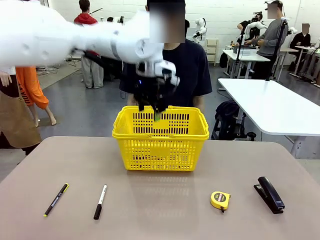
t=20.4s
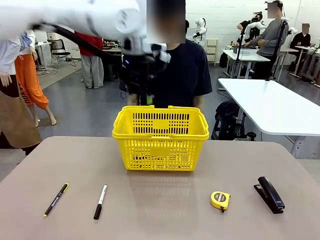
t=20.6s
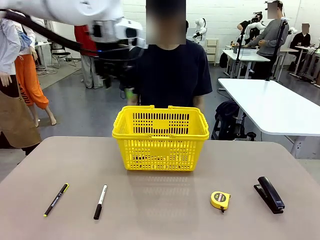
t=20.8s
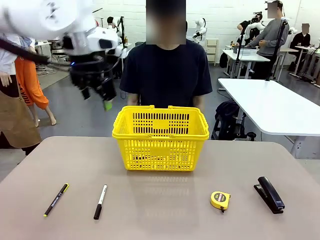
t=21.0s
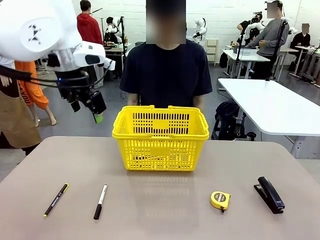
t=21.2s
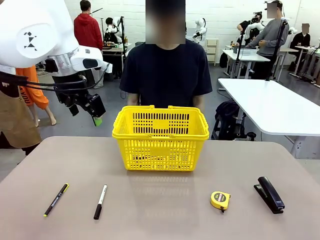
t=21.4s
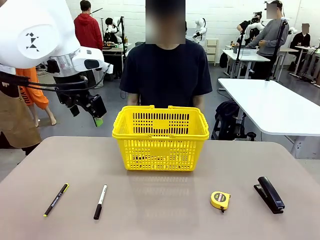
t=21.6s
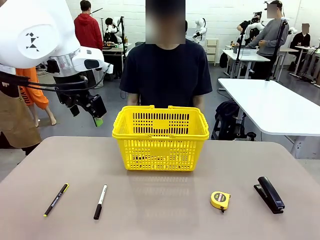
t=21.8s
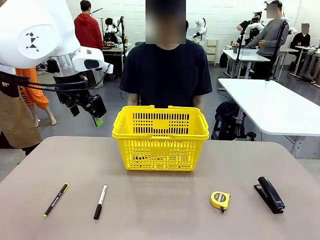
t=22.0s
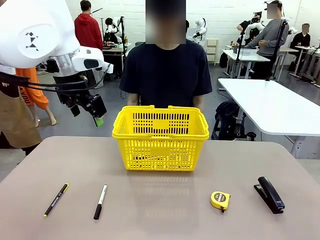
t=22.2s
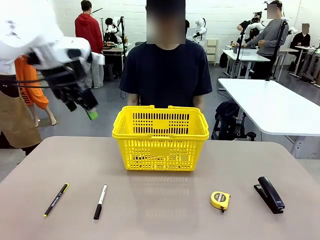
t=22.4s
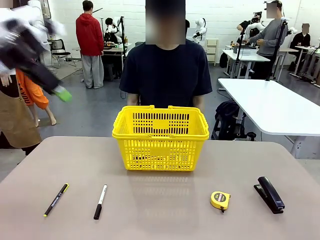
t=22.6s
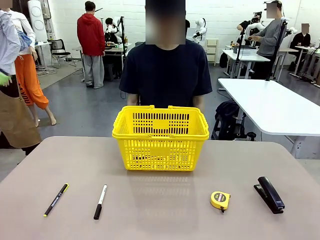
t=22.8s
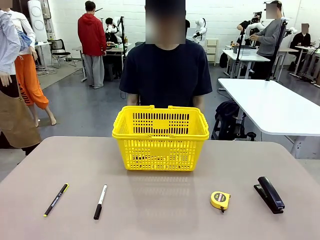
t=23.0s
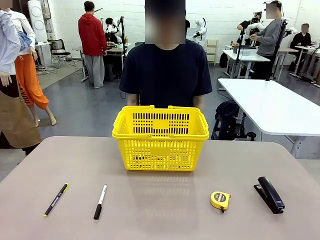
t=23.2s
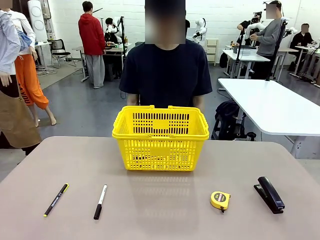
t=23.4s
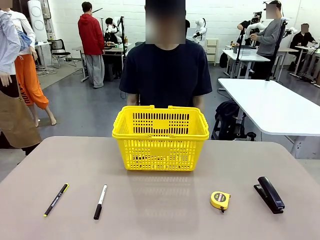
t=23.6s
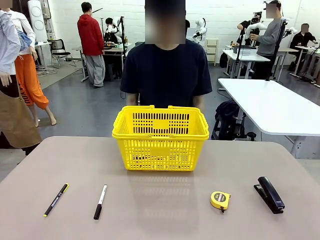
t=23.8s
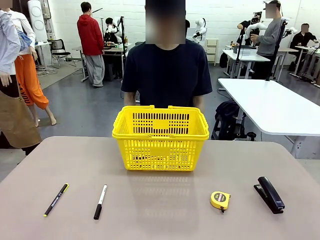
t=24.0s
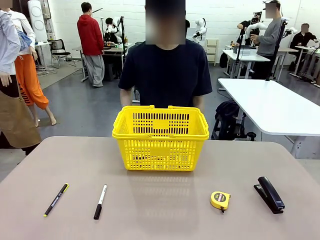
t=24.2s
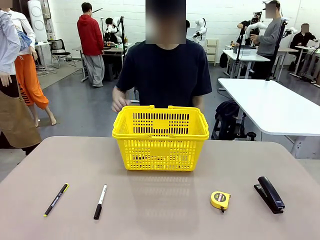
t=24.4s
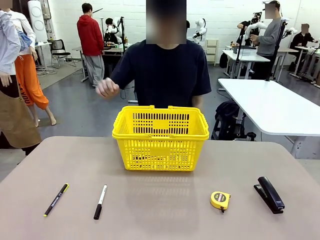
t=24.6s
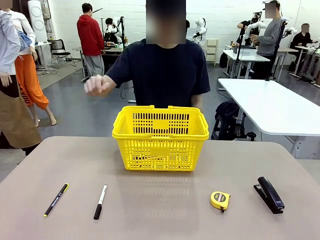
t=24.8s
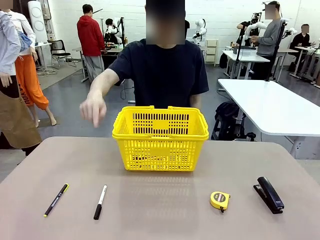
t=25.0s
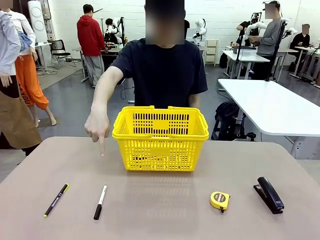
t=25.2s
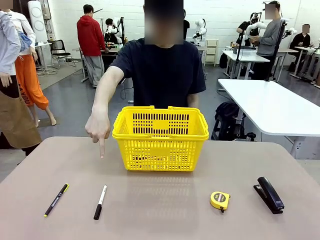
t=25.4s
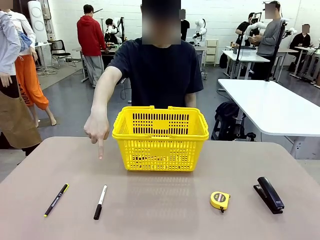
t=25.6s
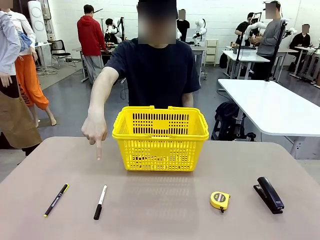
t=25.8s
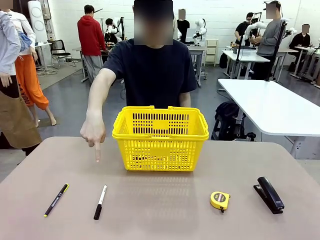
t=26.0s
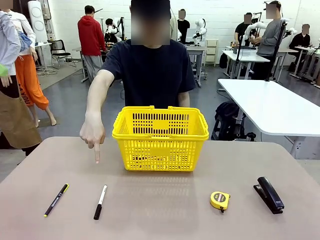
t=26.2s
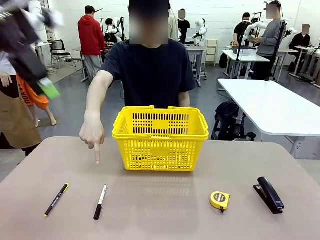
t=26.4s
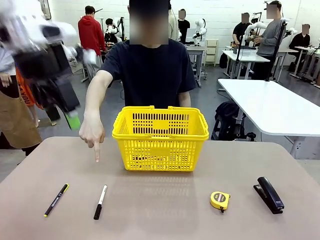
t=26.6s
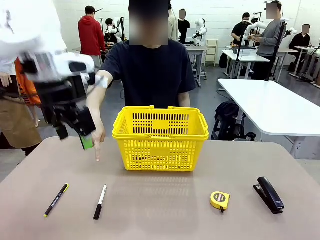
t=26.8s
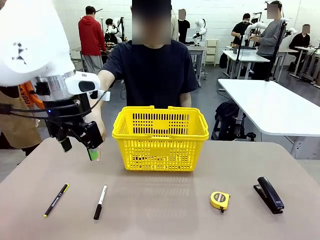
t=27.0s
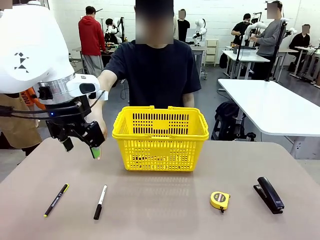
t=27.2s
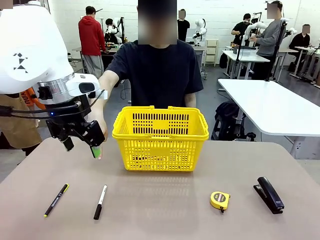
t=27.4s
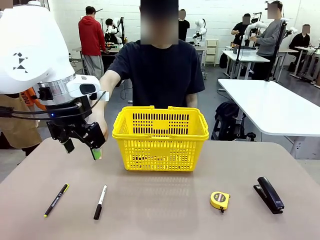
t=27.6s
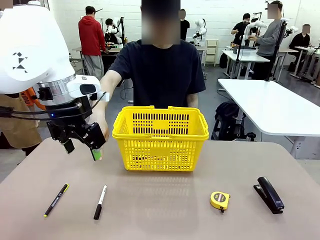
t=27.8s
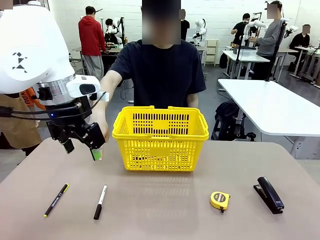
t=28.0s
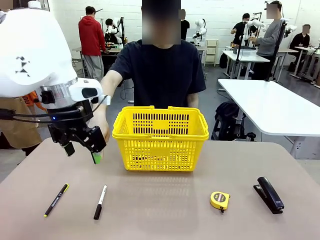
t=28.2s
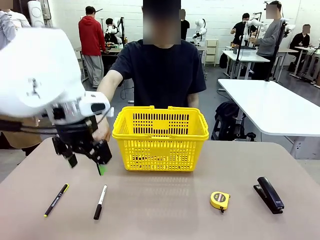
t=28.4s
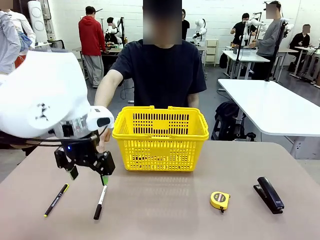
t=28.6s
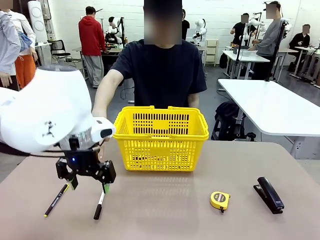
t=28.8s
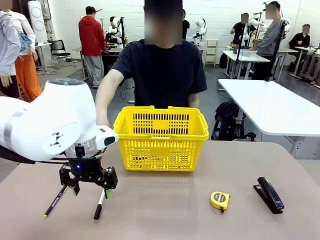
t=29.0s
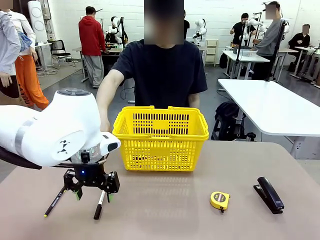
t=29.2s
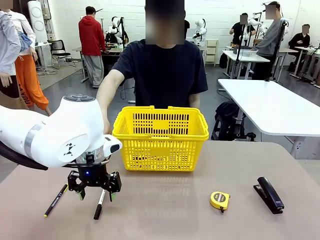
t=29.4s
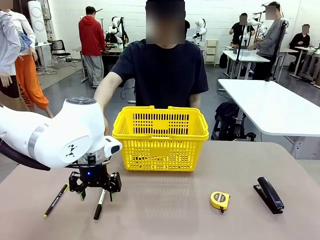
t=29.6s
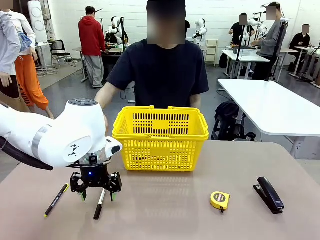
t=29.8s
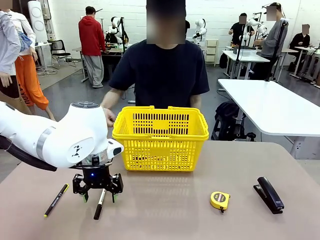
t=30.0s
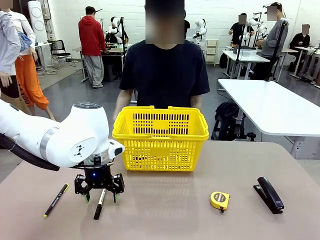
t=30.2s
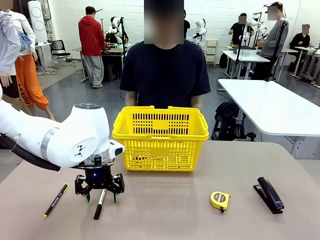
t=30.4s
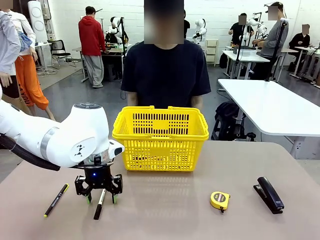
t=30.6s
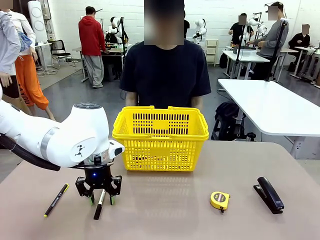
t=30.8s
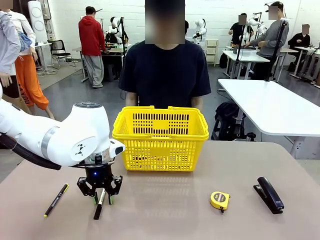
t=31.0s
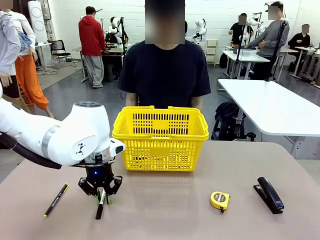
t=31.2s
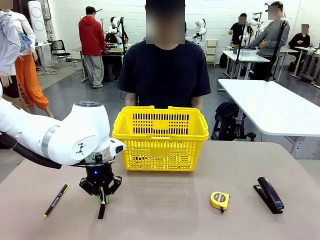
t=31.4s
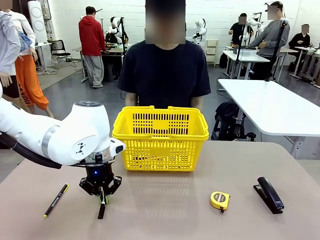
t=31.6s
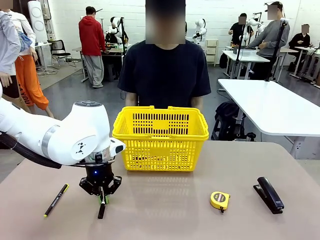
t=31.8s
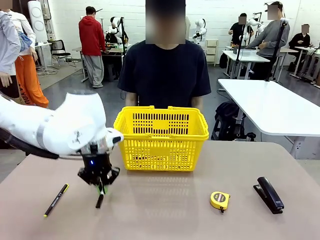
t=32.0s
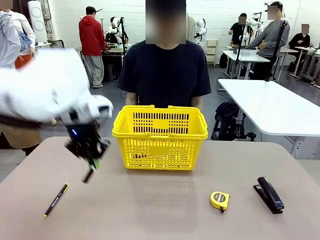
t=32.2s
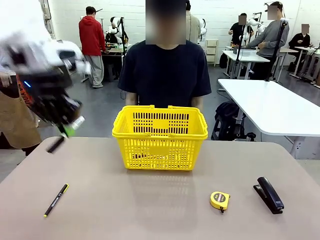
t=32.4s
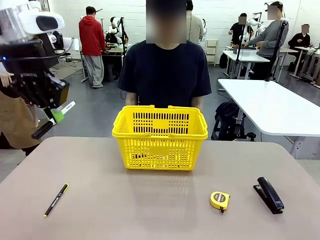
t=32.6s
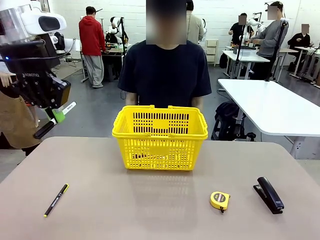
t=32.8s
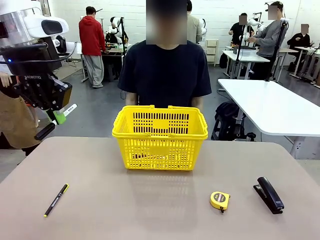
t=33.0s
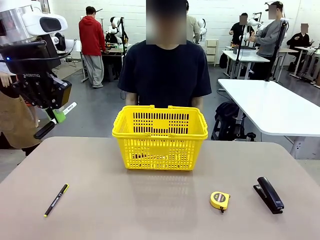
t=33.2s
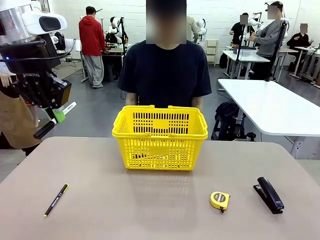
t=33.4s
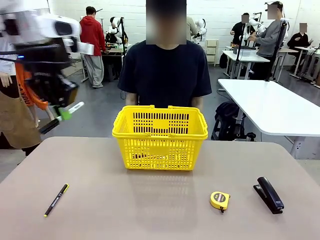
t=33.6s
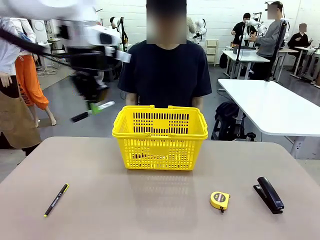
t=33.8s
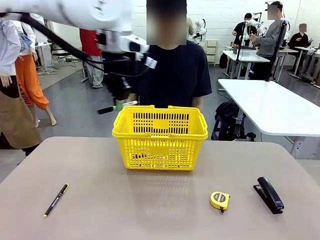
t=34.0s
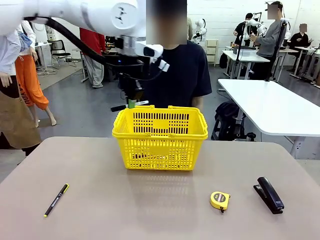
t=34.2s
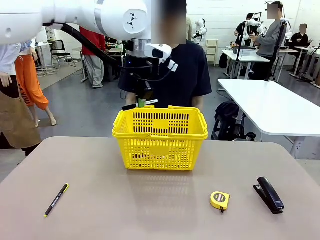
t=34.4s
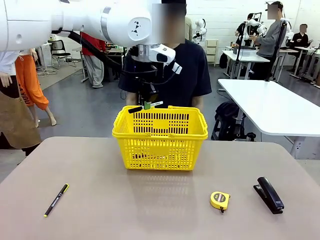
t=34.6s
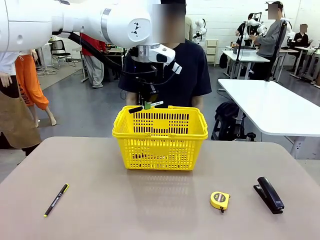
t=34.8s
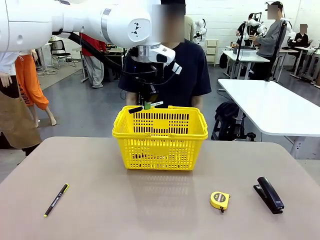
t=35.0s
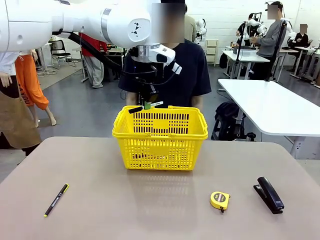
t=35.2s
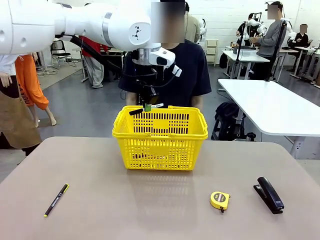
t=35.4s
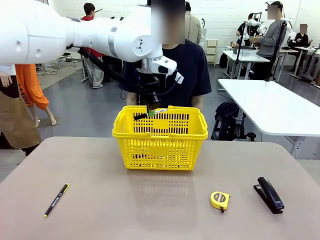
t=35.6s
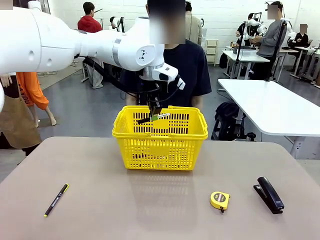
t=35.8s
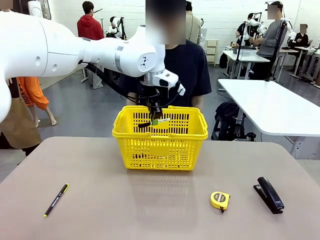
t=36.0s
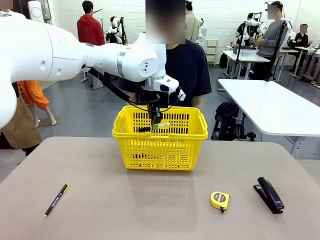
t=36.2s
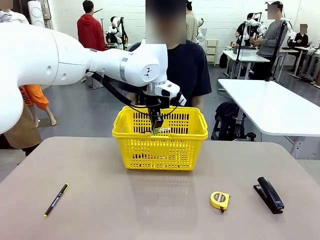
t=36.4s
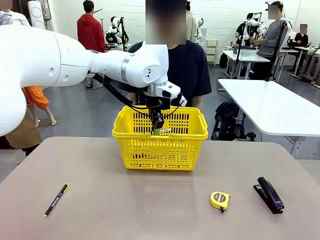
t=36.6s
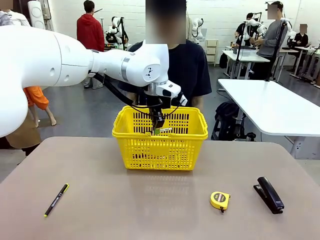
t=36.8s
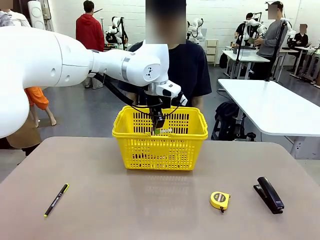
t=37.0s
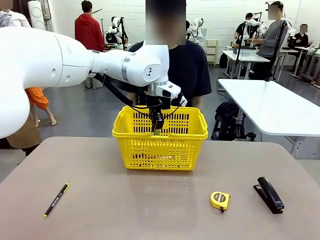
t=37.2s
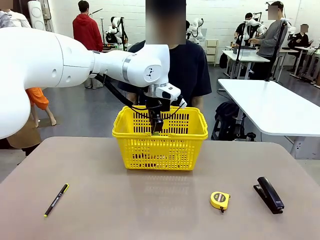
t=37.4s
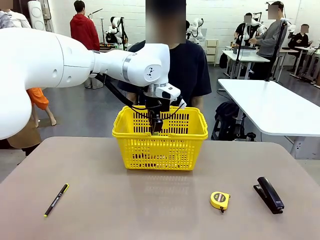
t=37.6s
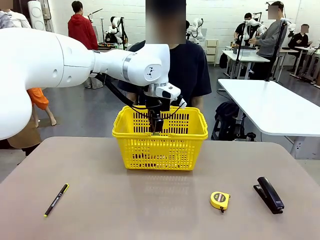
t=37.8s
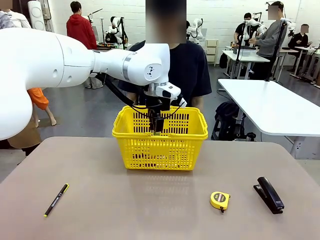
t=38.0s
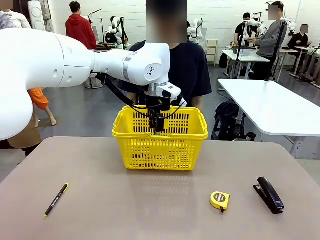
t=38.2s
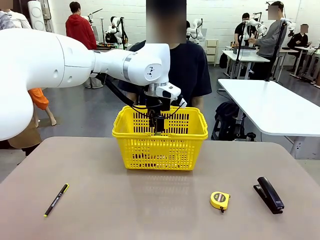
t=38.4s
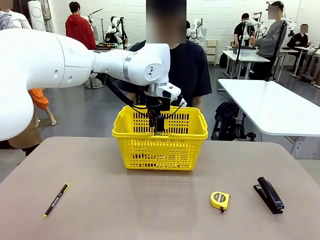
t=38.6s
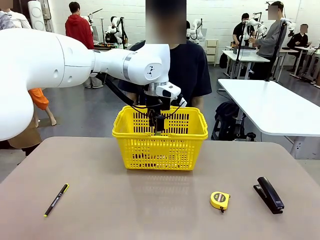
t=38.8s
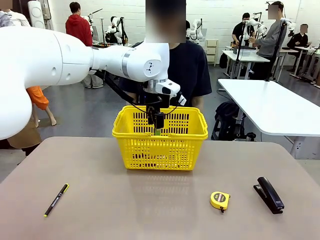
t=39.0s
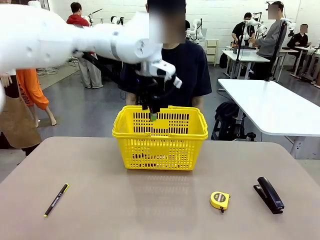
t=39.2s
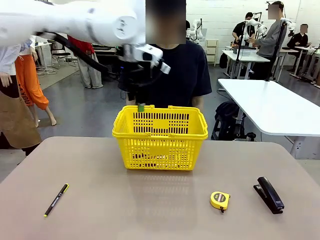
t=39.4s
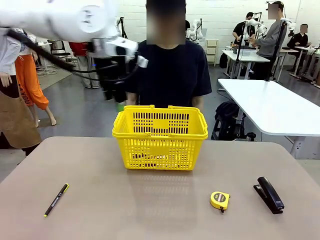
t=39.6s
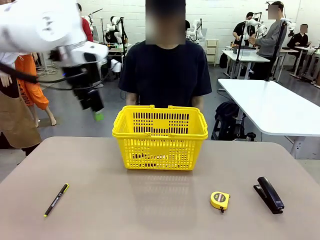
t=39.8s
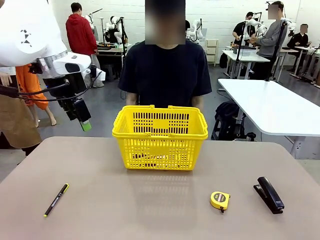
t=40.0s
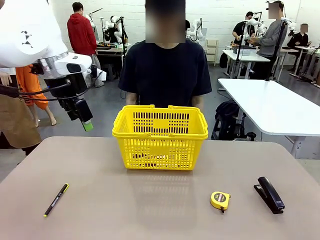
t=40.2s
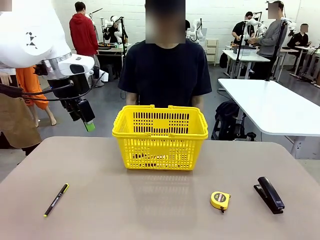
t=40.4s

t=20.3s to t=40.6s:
Task: Place the items the person wants into the basket.
Robot: Pick up the item the person points to and place it in the Market Basket.
